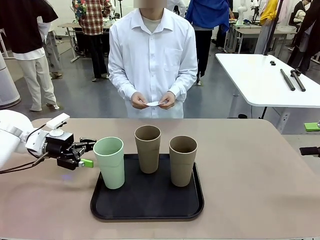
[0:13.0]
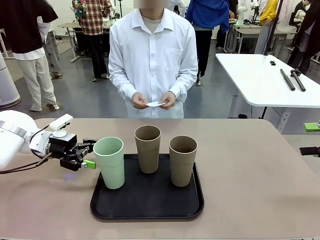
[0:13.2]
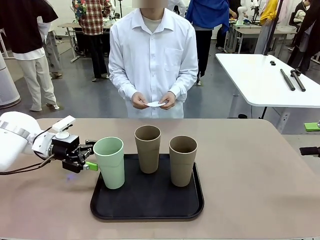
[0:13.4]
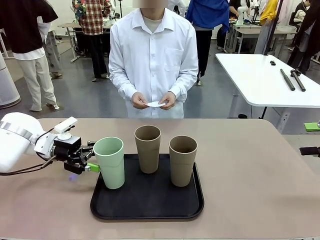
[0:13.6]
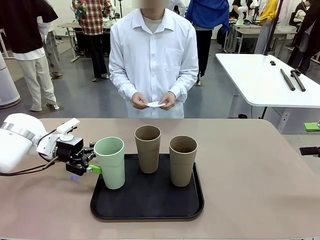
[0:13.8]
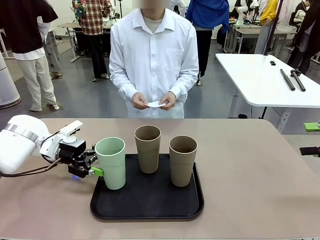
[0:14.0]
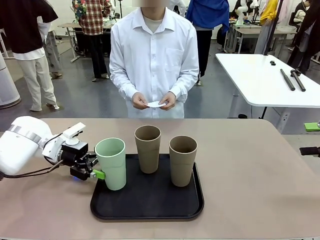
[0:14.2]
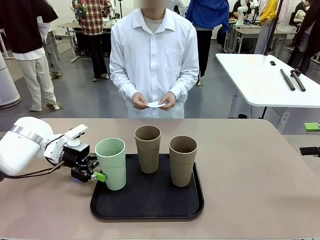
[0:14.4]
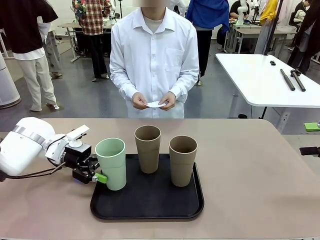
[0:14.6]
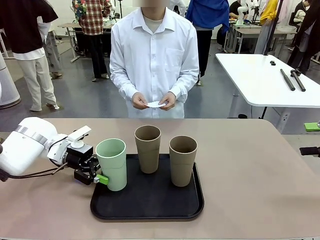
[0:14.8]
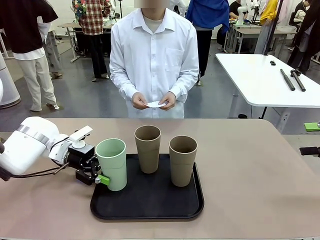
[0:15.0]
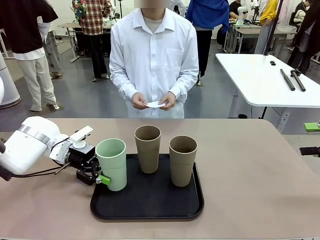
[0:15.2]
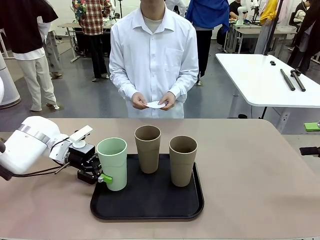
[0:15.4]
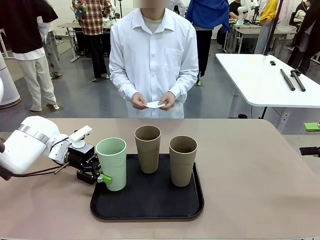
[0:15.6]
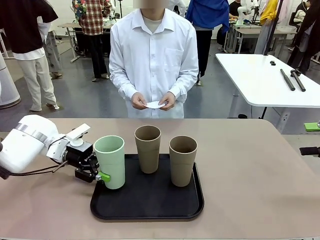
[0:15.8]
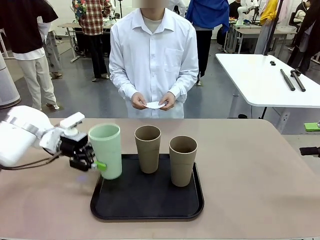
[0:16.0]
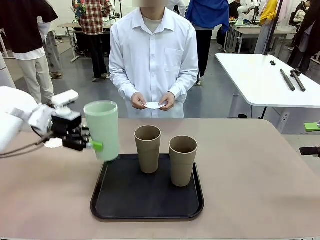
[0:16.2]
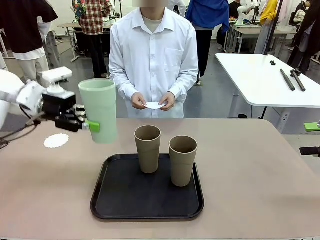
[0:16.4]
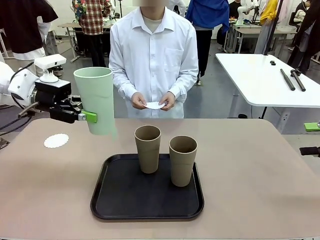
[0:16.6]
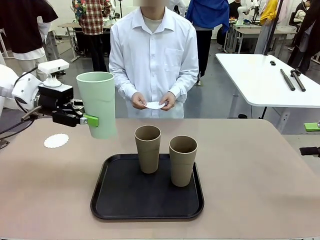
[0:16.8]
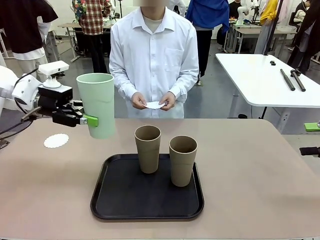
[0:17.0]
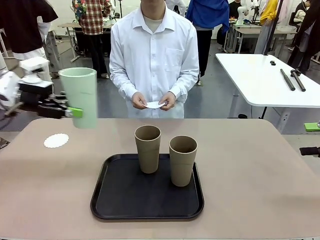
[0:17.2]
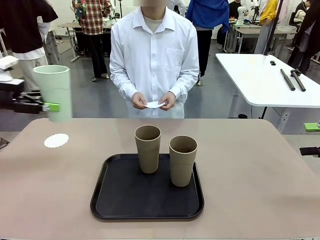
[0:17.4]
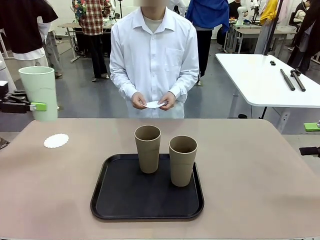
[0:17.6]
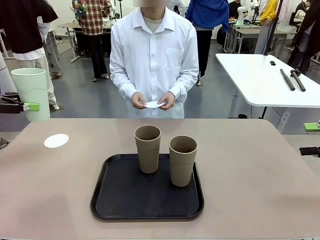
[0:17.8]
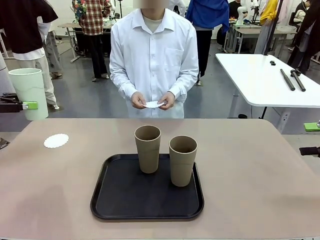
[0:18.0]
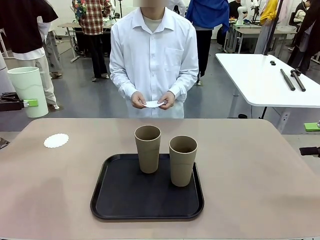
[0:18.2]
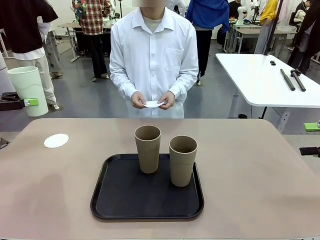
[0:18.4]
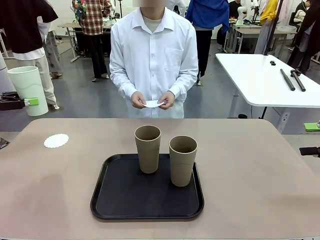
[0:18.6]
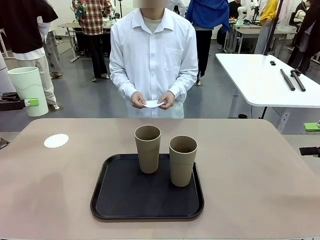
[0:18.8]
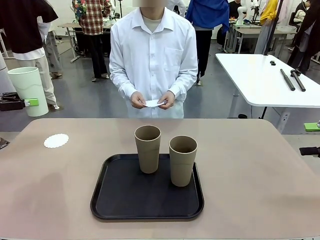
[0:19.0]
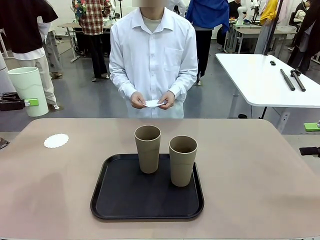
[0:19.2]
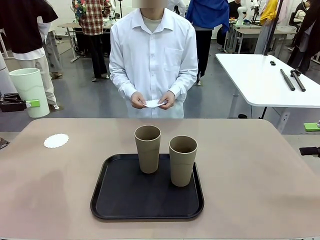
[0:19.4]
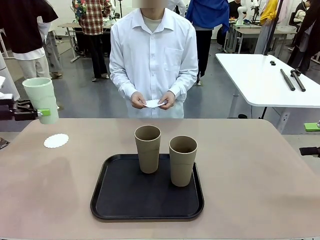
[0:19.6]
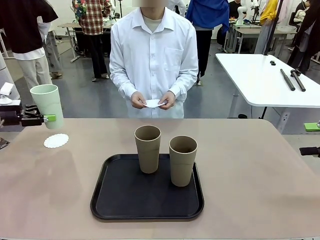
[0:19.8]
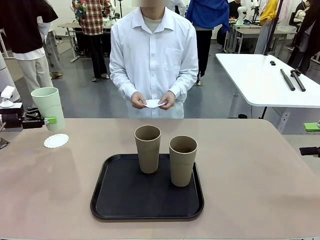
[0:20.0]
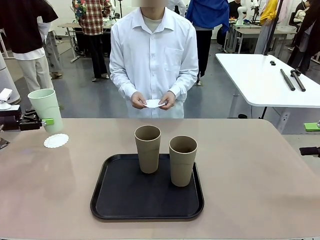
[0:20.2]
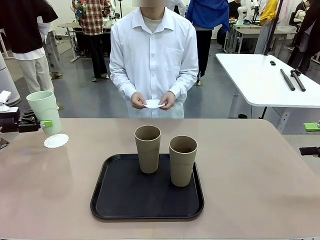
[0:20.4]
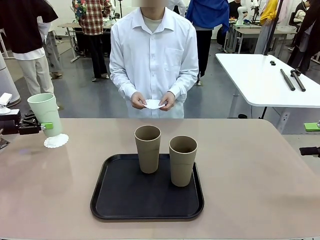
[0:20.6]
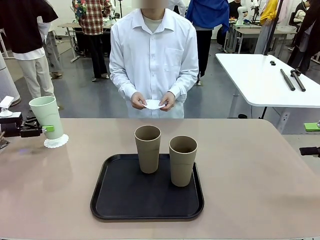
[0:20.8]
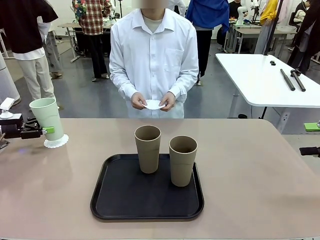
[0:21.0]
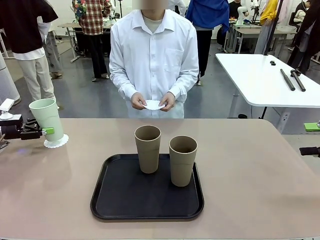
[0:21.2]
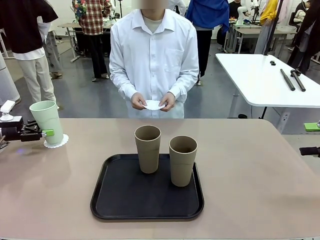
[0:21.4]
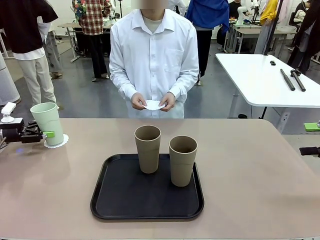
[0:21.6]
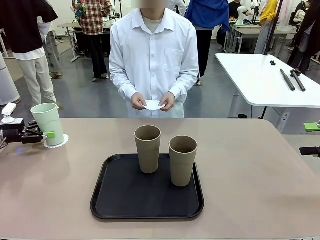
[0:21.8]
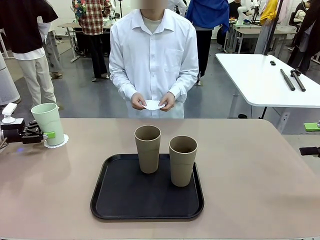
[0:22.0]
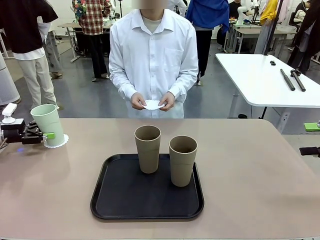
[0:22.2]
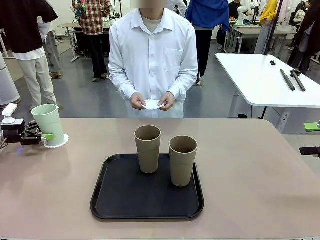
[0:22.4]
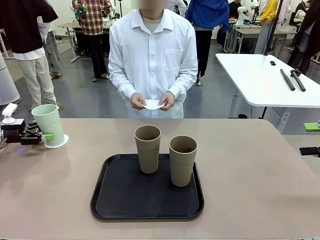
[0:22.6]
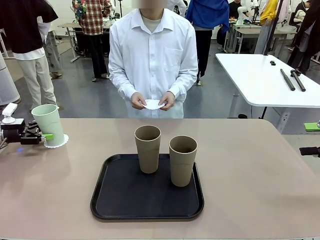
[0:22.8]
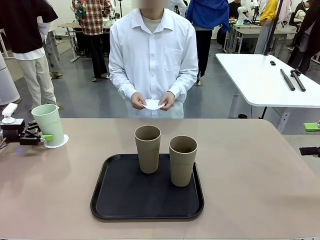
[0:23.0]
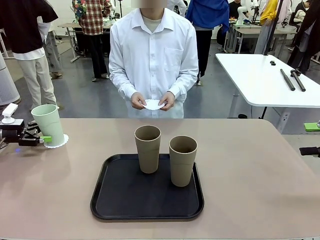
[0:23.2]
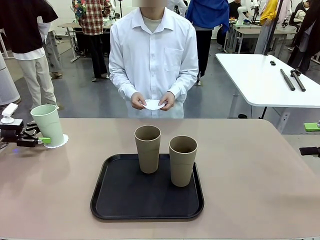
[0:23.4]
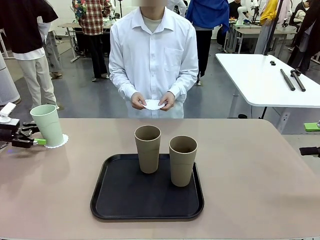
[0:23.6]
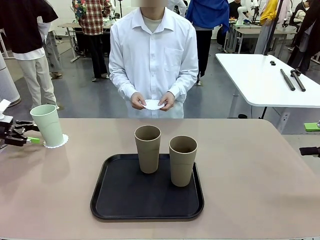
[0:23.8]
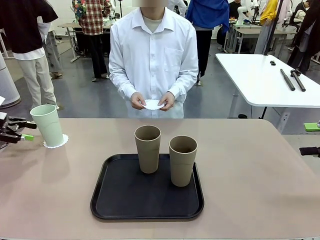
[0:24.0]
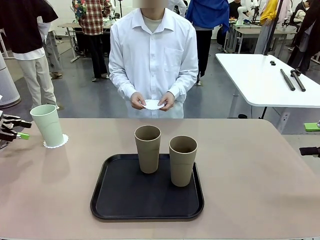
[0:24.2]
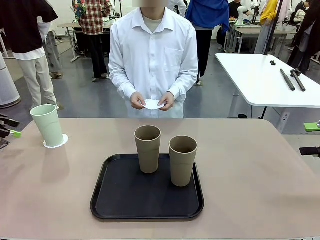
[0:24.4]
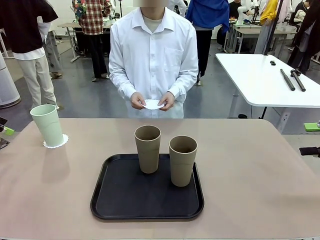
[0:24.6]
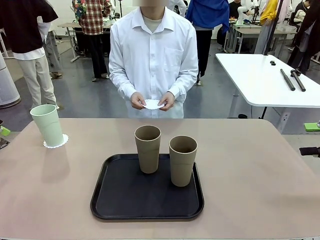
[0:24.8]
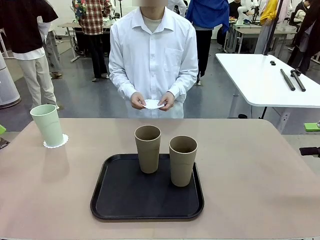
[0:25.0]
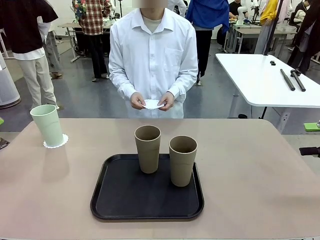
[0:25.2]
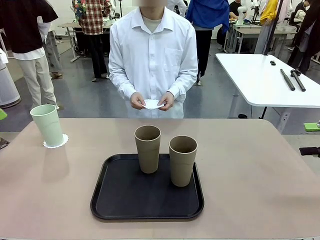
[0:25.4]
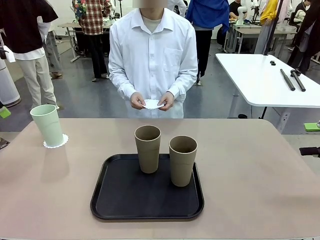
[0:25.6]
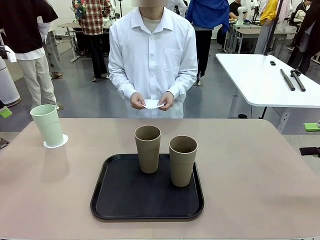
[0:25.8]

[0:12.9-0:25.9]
Task: Place coasters on the table and set cups on them.
Robot: Pick up one Reusable plastic cup and place it on a coaster set by the human.
Person: Place one coaster in one of the two areas excluding the previously selected area.

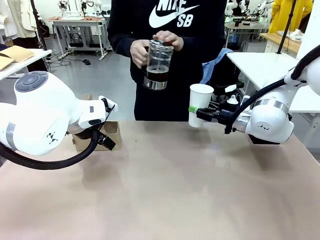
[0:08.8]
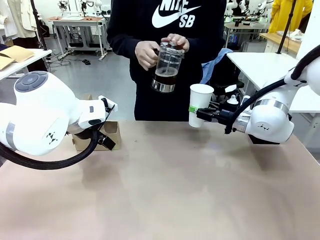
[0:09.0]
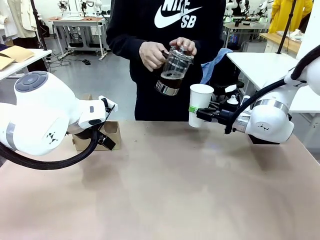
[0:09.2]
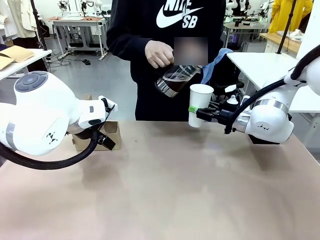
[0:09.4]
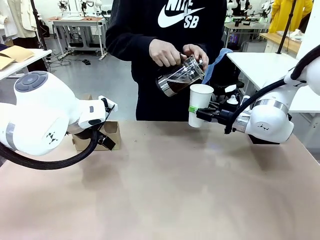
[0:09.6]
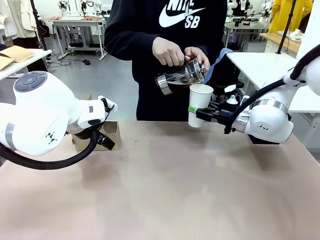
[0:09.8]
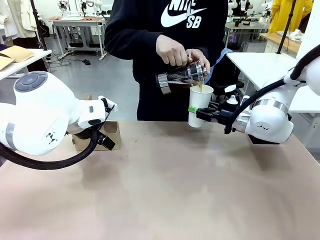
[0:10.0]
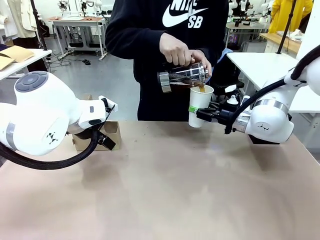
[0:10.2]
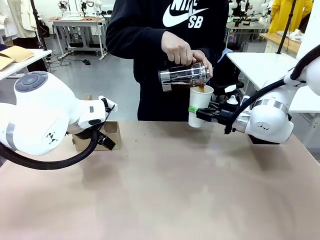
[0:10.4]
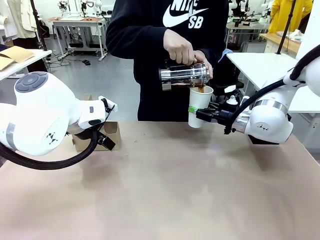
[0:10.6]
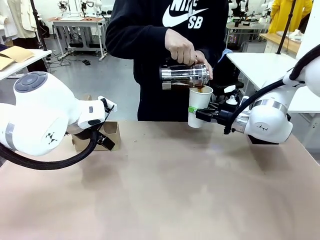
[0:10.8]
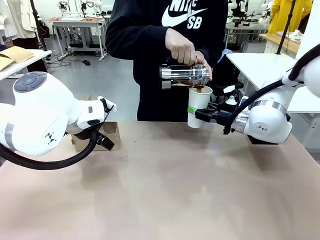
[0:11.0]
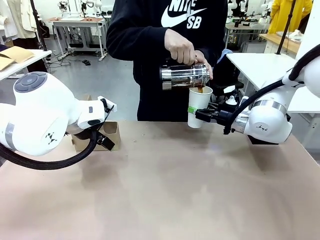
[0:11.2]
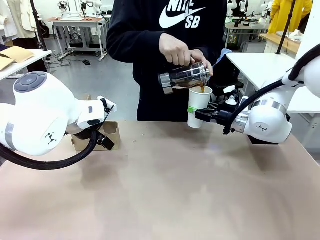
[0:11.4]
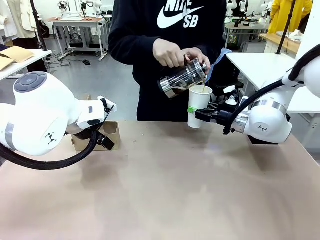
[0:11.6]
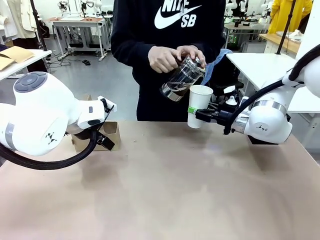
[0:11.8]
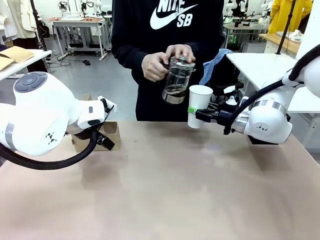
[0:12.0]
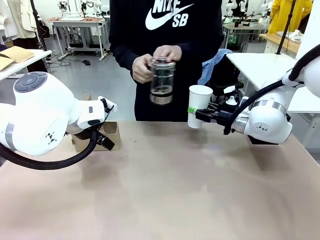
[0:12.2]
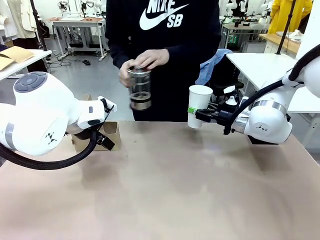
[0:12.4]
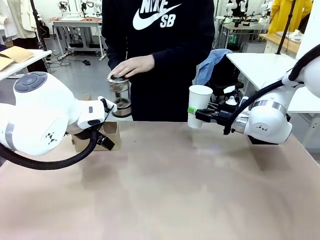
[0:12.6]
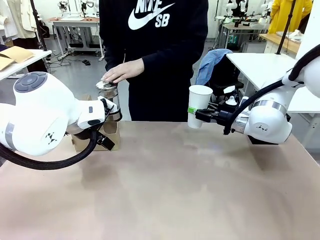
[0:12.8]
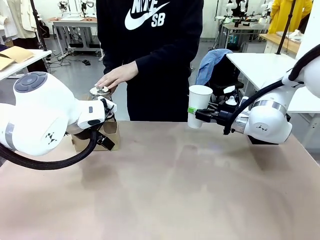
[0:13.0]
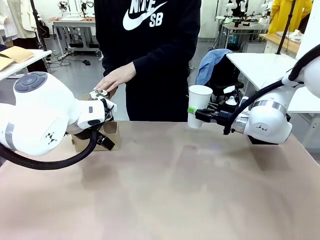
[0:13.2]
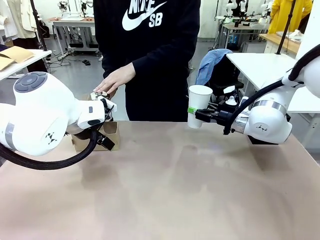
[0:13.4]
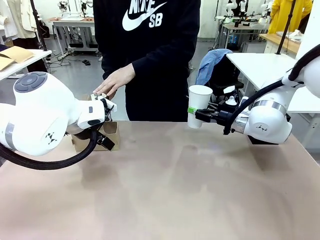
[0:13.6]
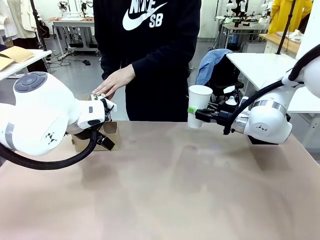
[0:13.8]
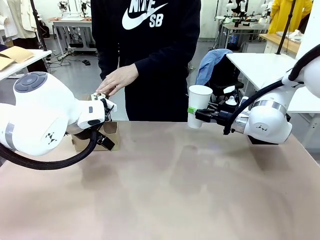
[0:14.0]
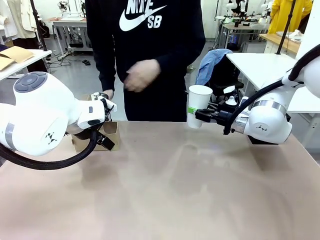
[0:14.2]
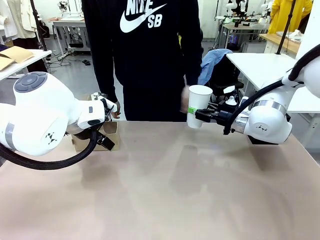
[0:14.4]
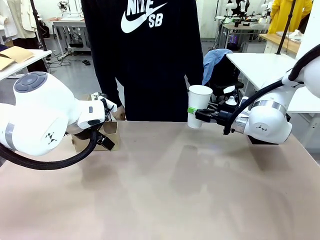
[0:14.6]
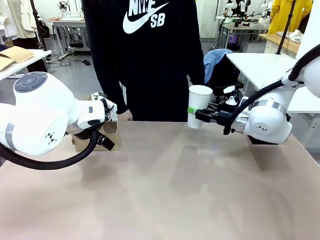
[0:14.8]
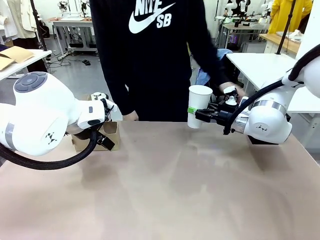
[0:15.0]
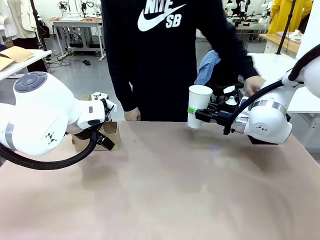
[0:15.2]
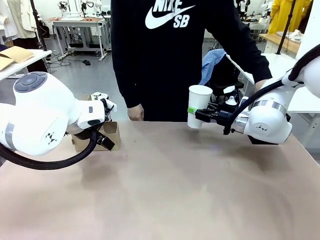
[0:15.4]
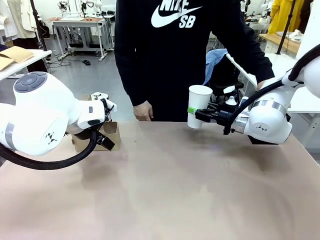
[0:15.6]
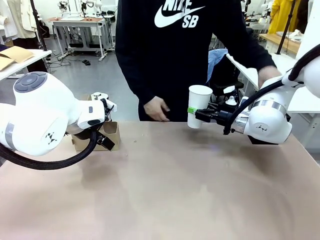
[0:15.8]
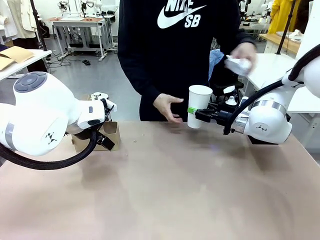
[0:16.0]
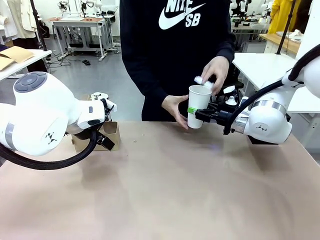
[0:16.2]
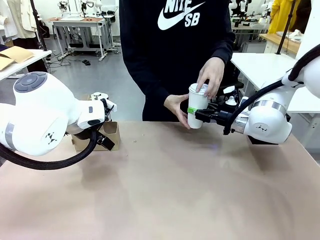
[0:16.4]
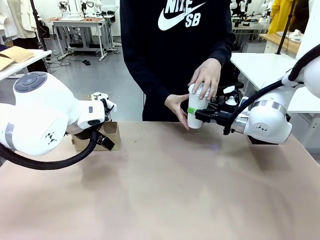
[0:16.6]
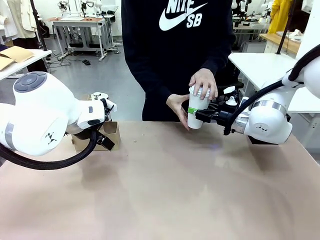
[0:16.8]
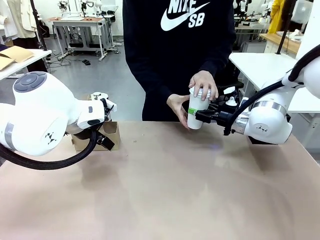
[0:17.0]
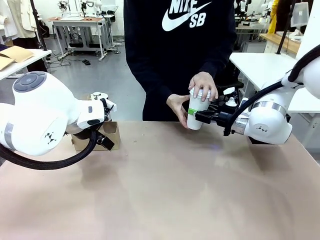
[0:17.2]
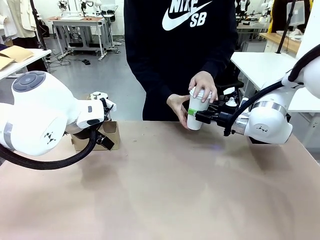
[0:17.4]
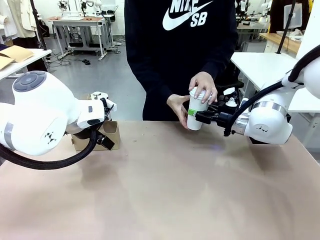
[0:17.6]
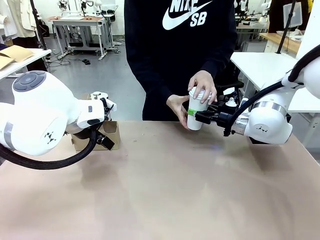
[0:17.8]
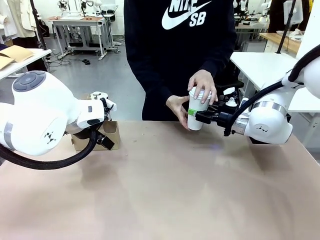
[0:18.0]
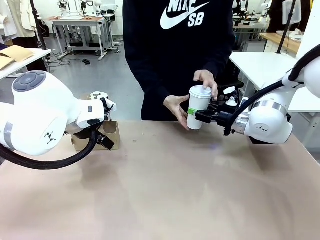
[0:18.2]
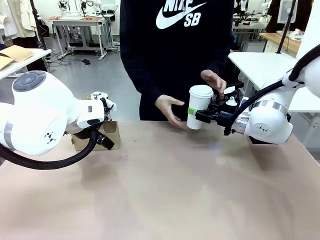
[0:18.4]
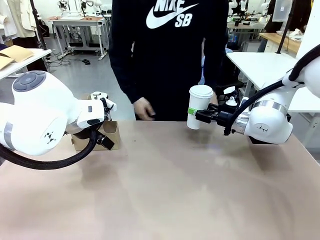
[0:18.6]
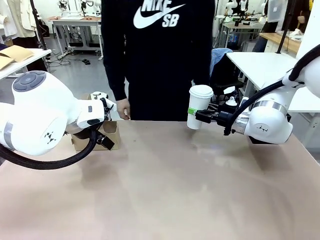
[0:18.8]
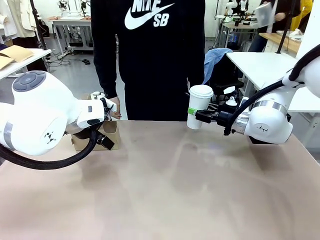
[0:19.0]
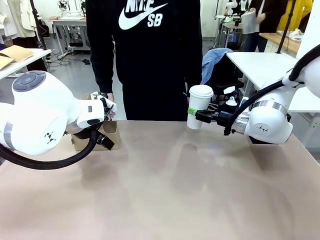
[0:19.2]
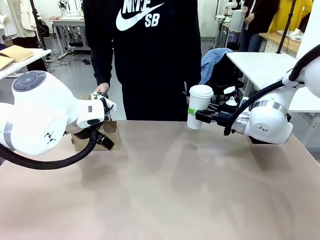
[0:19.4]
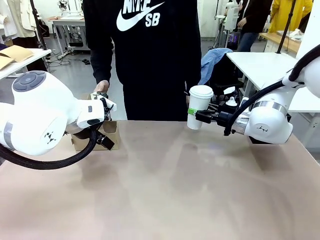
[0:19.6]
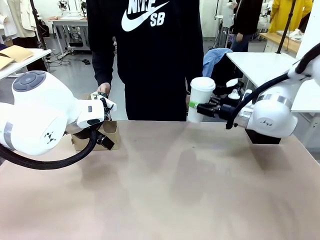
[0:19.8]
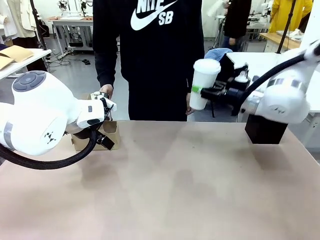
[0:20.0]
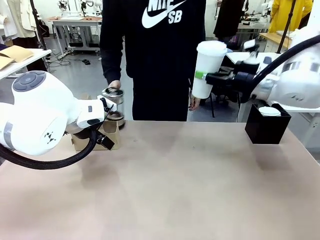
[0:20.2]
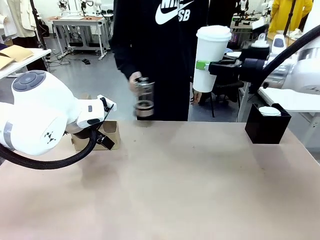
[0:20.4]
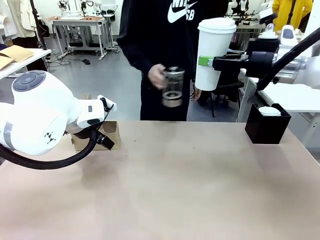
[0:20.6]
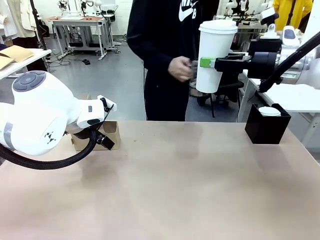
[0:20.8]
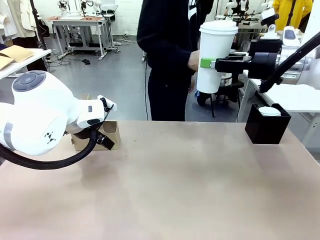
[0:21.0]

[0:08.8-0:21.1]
Task: Pour a drink into a cup and package it in a carrier.
Robot: When a person places the Paper Cup Lid on the 600 ml Paper Cup , lift the 600 ml Paper Cup.
Person: Pour the drink from the Filter Brewing into the 600 ml Paper Cup. Place a Paper Cup Lid on the 600 ml Paper Cup.
